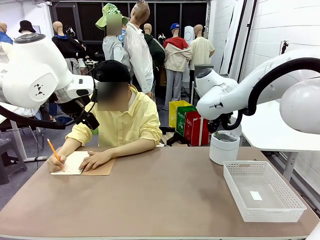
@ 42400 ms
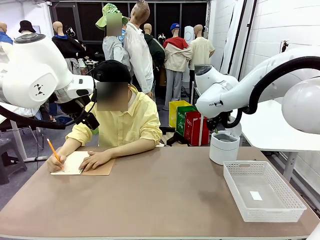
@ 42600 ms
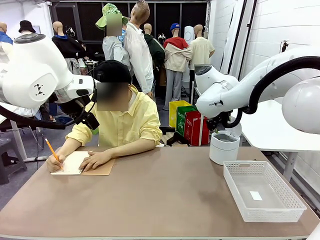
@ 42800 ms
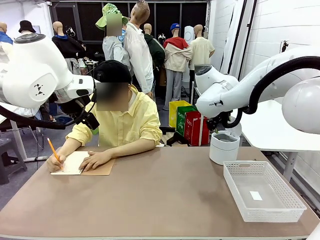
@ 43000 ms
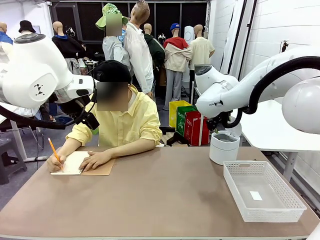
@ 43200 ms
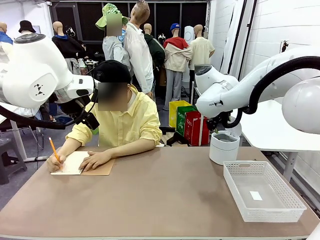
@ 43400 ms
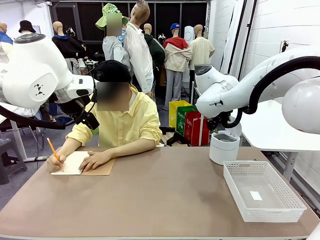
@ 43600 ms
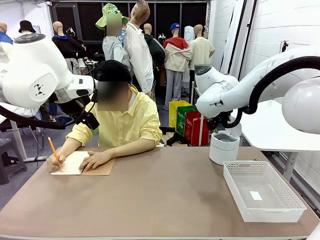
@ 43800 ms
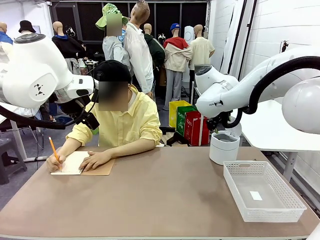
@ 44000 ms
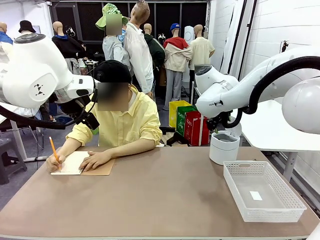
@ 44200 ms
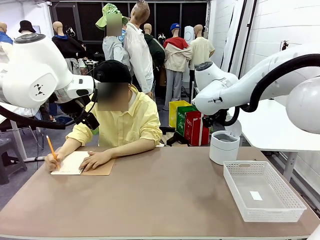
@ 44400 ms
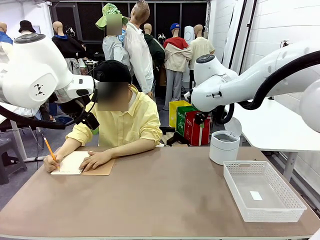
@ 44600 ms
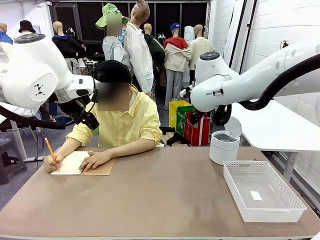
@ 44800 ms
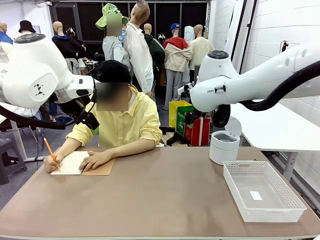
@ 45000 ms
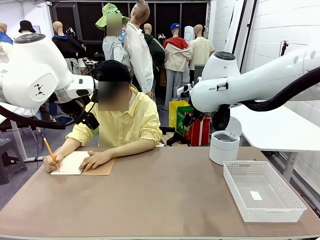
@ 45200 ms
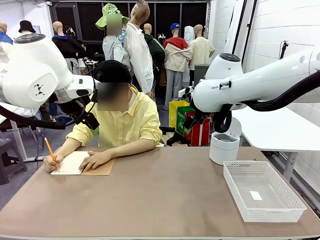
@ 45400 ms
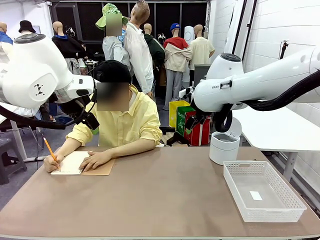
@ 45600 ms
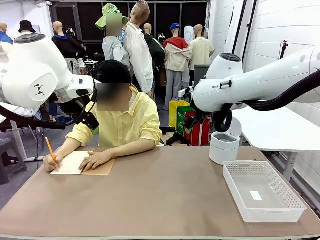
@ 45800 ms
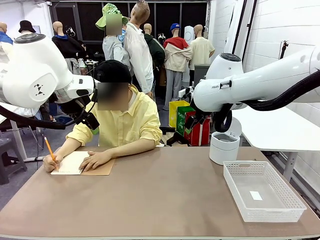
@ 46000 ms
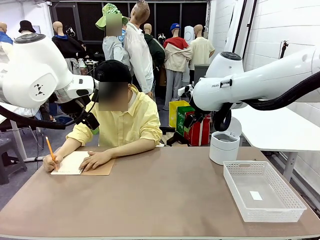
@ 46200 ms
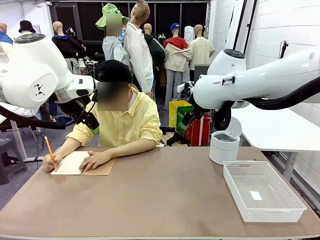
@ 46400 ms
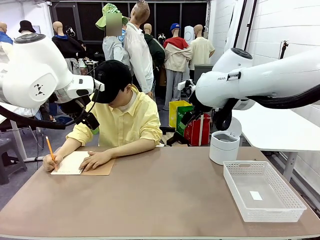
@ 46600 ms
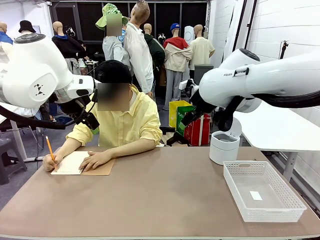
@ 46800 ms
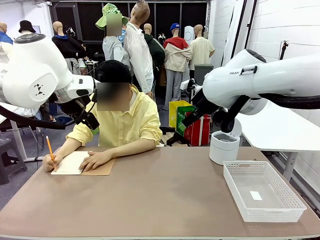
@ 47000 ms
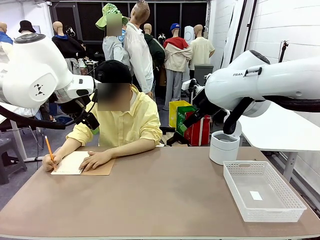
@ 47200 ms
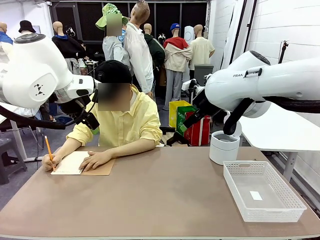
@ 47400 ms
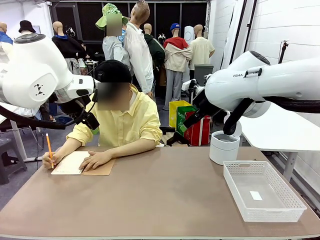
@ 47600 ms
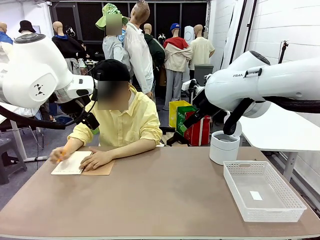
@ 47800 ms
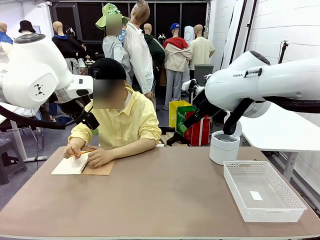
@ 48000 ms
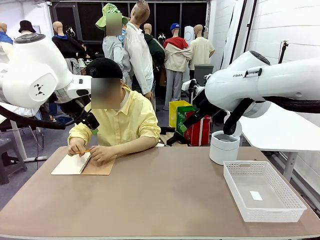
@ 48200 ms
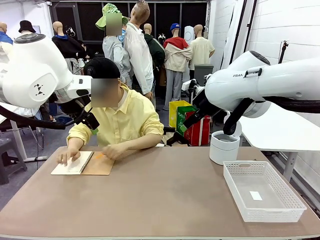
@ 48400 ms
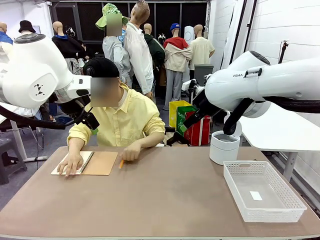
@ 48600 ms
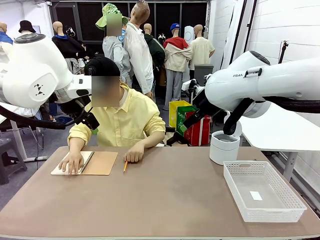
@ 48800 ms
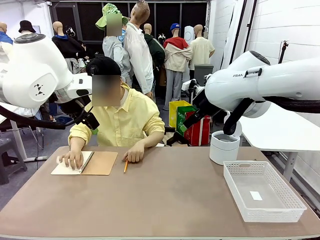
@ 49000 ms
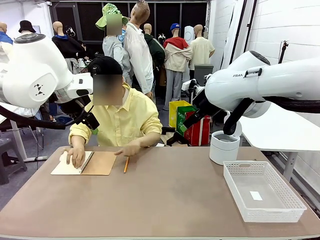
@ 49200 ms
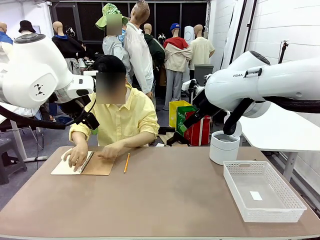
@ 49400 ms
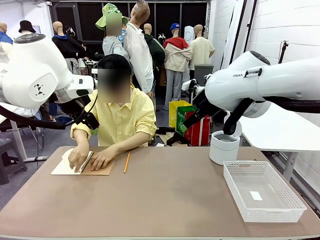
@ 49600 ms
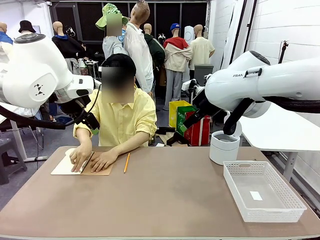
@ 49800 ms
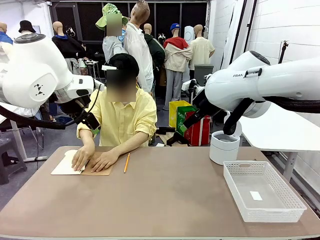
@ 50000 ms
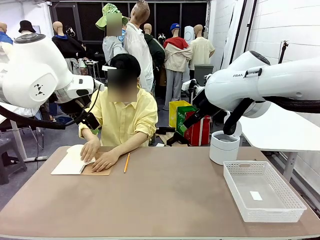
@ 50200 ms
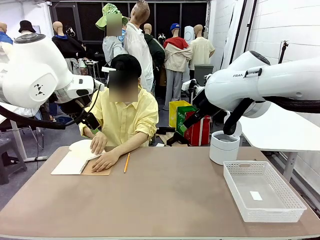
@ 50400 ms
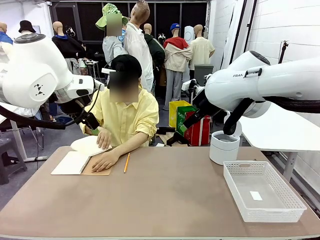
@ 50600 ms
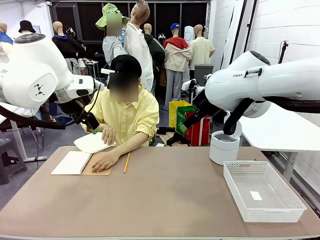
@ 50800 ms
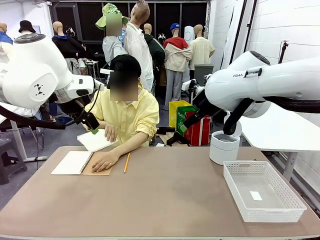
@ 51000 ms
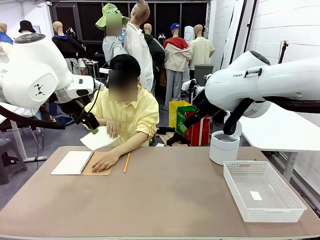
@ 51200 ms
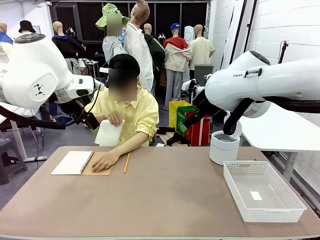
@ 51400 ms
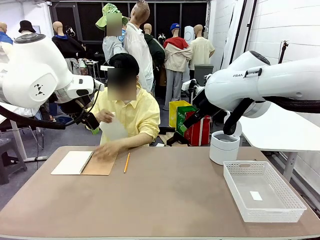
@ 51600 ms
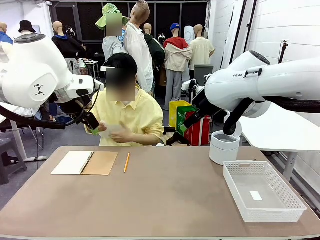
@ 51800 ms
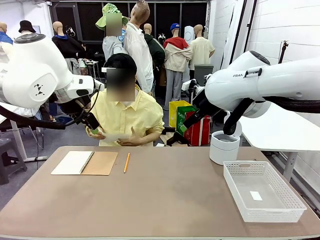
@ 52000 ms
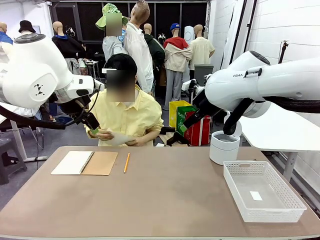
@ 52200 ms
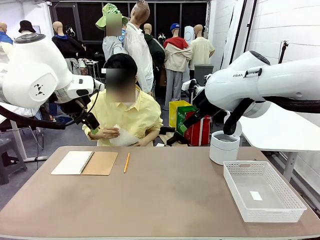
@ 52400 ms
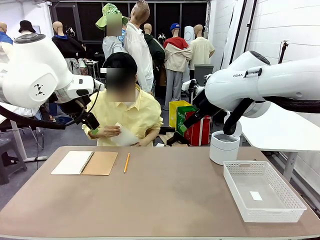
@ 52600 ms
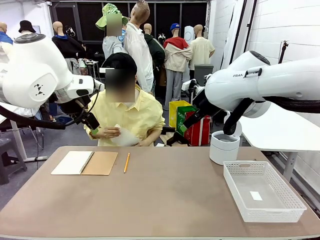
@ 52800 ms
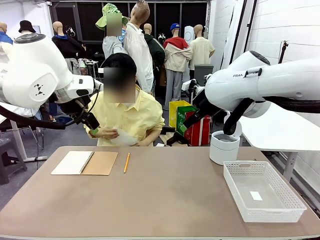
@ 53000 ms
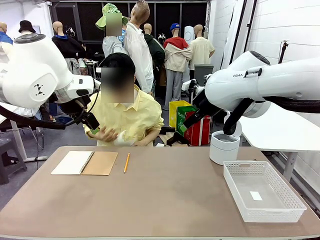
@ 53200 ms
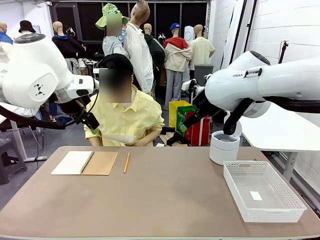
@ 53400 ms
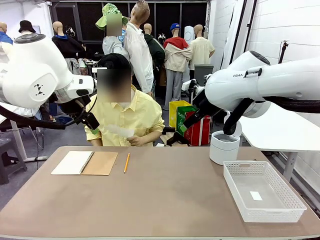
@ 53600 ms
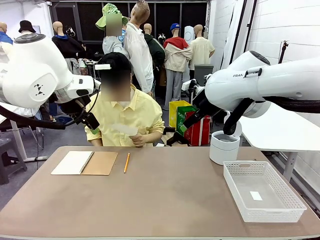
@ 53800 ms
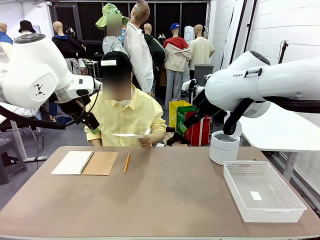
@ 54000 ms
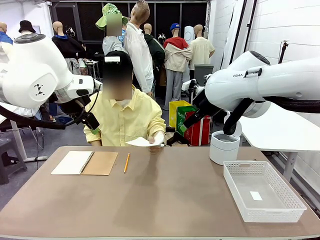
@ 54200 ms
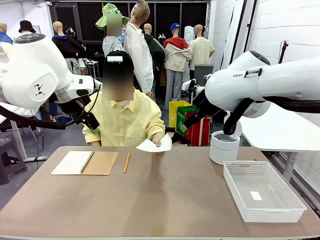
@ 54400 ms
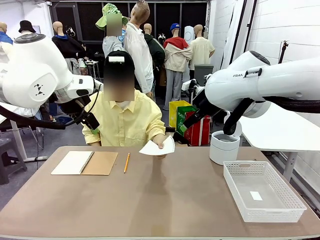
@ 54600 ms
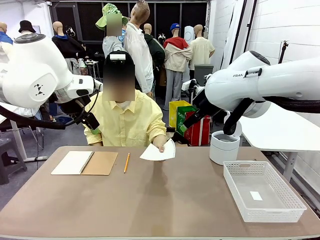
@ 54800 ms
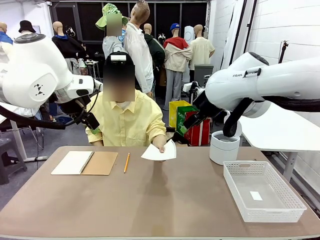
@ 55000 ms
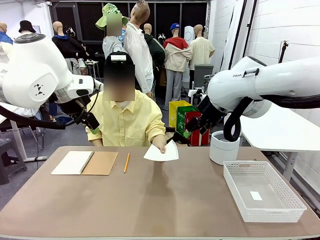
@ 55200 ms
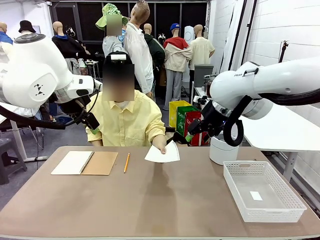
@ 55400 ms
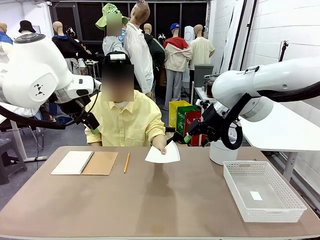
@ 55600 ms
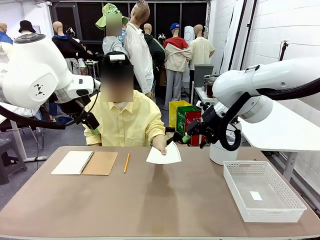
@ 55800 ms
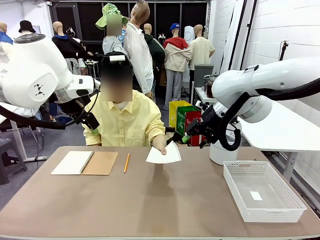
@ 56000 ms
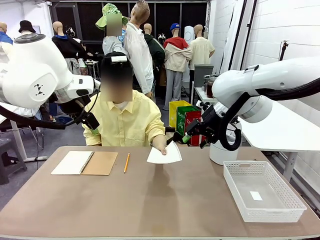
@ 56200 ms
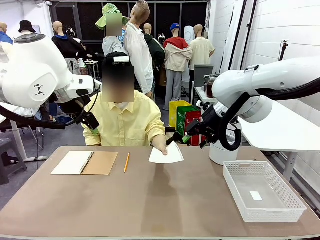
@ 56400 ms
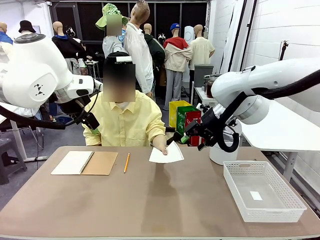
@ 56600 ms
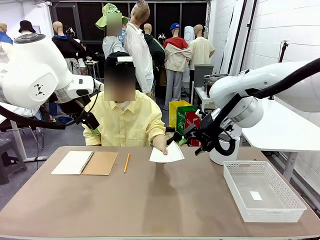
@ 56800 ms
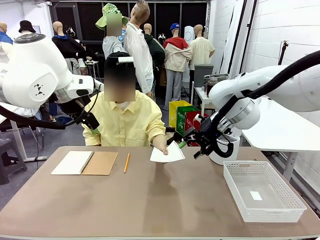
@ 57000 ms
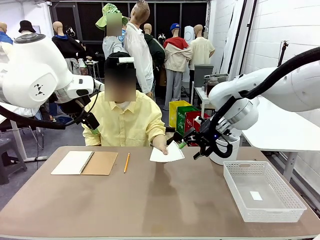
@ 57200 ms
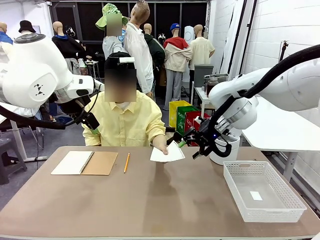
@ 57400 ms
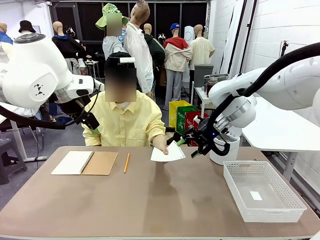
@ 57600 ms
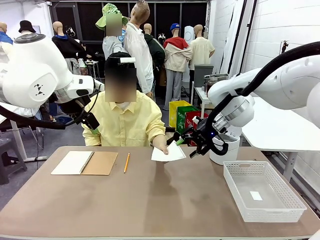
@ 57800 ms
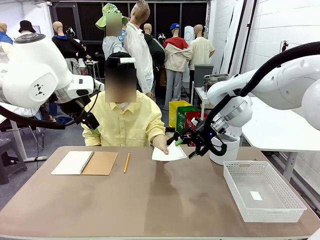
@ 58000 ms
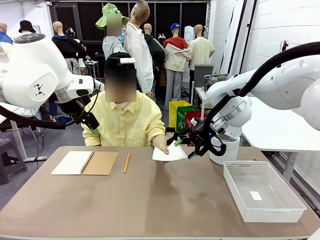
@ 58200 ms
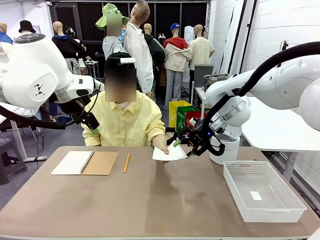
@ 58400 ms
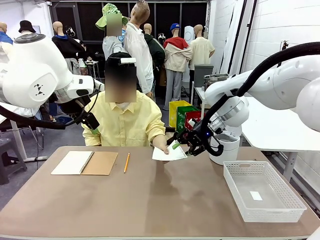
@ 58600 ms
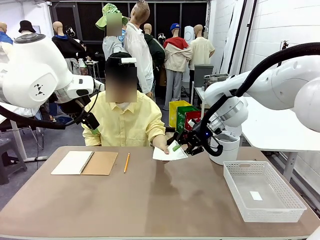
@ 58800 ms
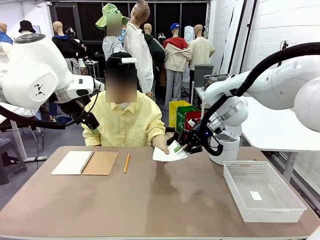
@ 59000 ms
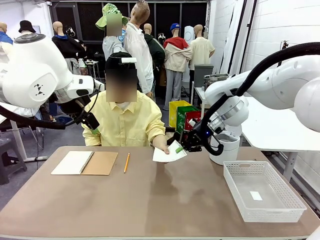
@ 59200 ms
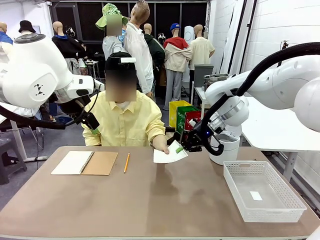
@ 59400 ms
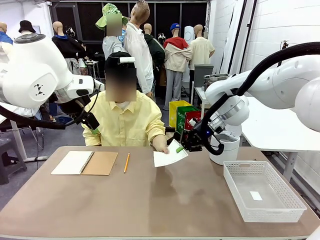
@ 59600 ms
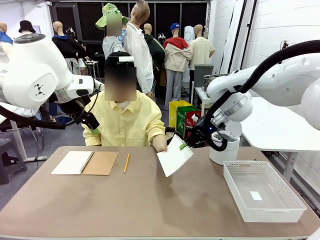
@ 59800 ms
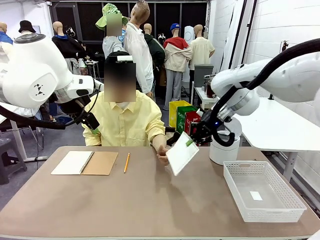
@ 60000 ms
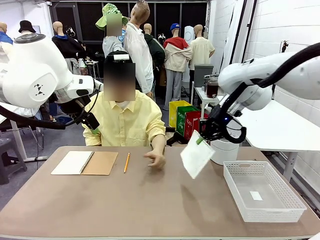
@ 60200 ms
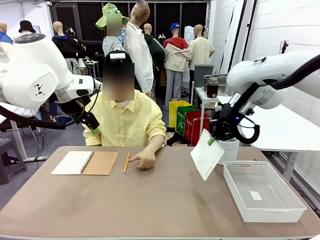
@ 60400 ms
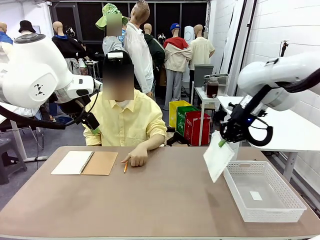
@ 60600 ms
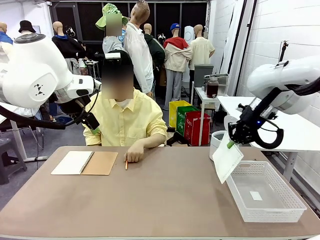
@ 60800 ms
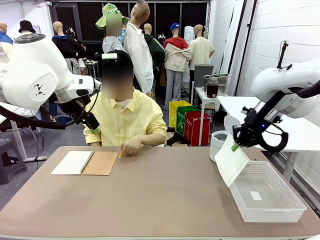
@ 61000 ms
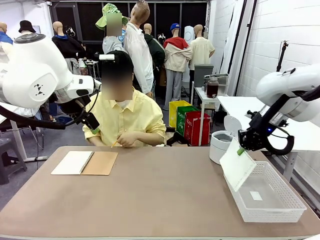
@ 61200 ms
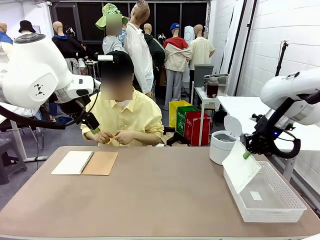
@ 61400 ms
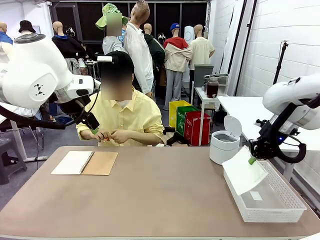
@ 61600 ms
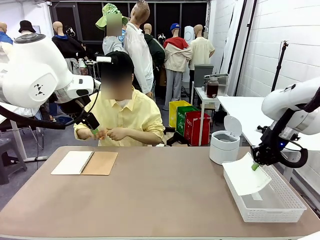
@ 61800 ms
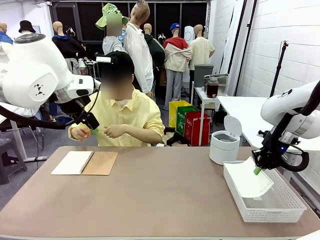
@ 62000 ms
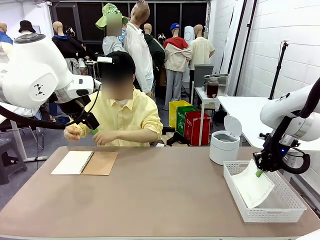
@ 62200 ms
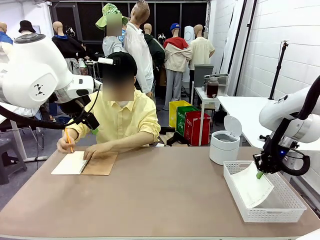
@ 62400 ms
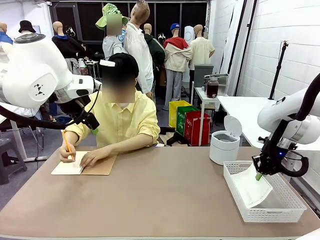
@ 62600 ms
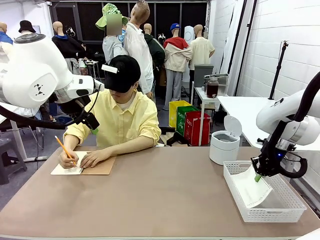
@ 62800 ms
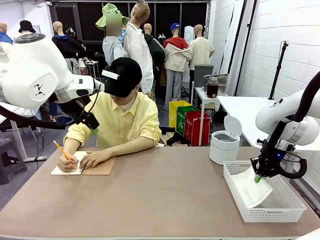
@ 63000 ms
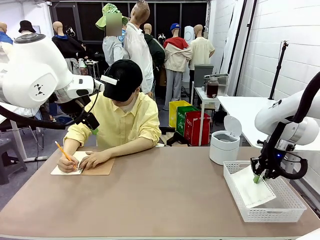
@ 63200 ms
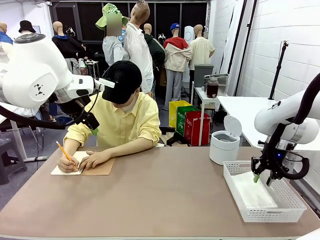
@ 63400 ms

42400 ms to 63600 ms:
Task: Sort the paper based on its condition.
Robot: If a person hands you a paper, place it in the Organizing basket , and if it's crumpled, put it in the Trash can.
Person: Hand the torn page to the robot or crumple it and throw it to the center of the table.
